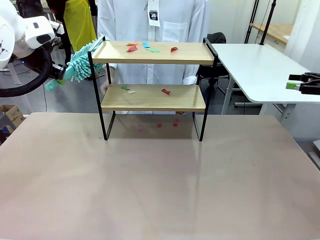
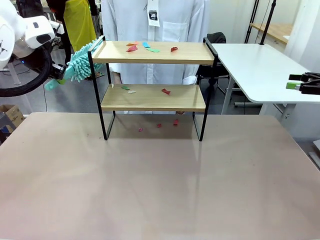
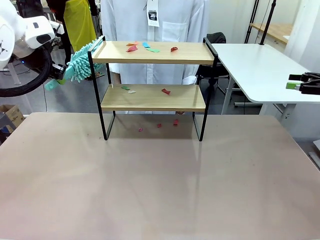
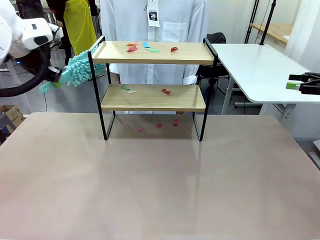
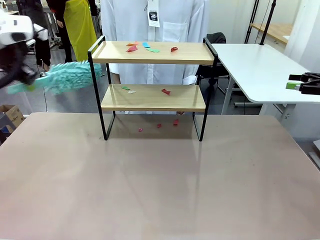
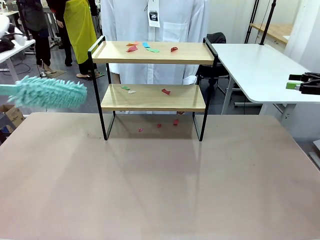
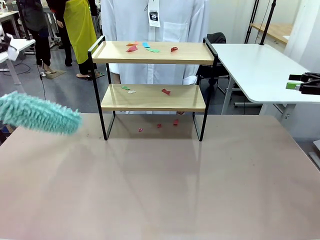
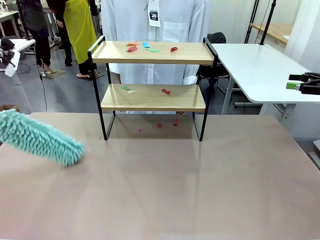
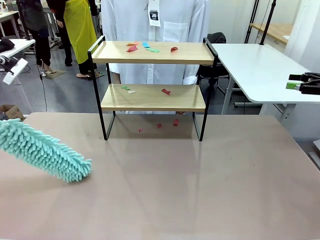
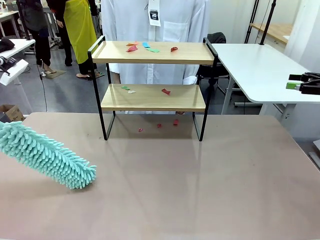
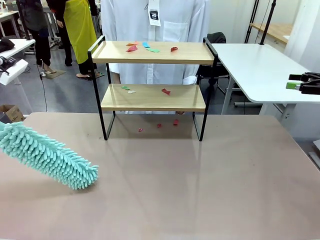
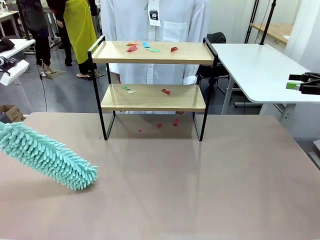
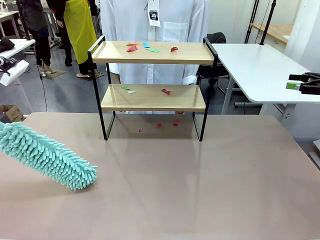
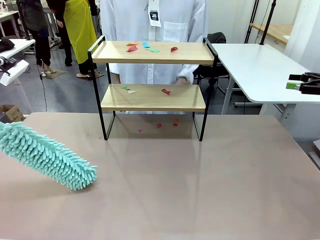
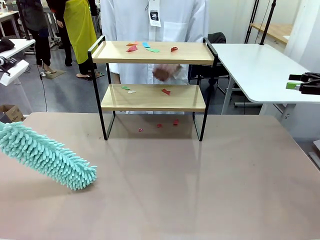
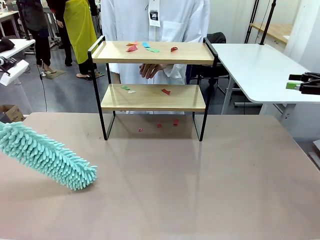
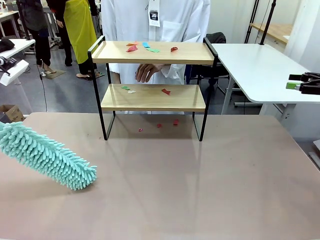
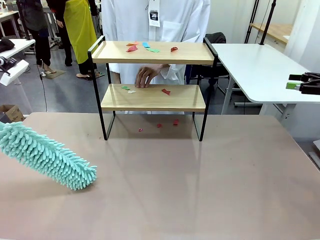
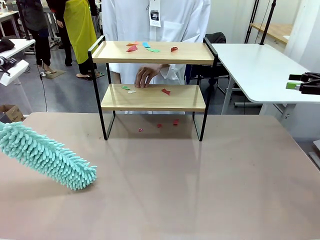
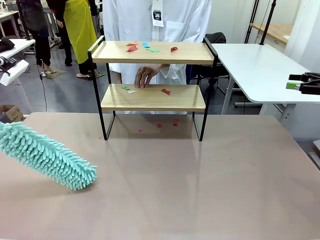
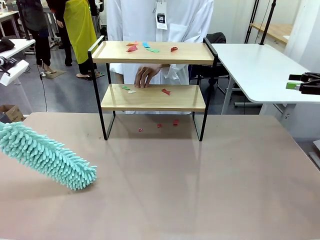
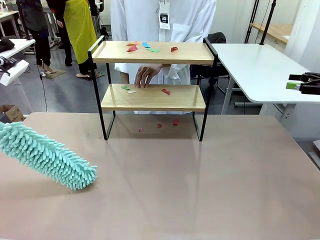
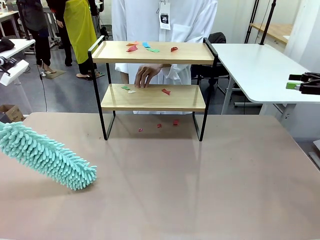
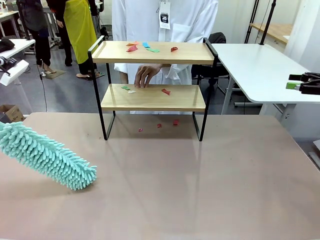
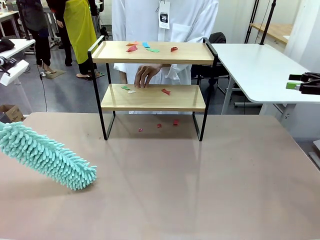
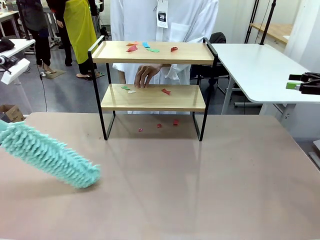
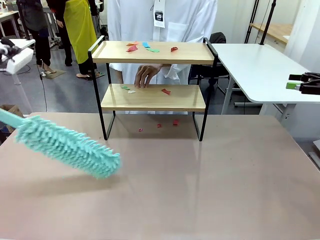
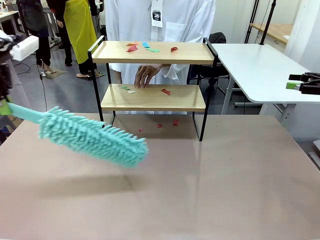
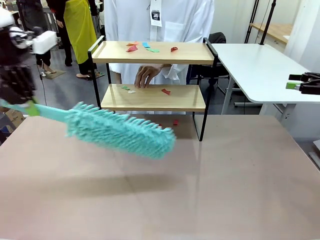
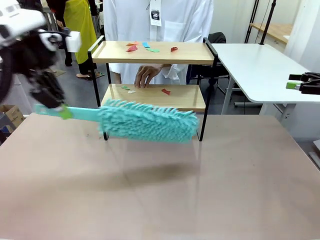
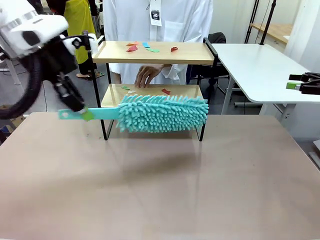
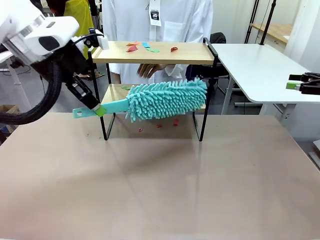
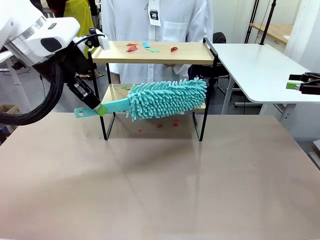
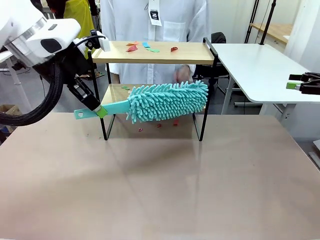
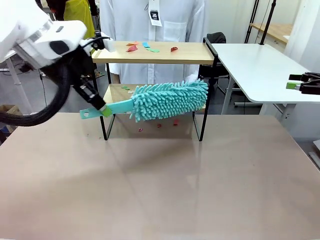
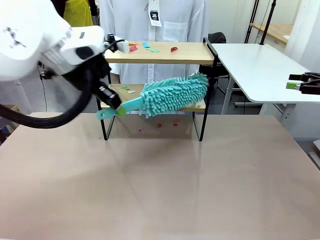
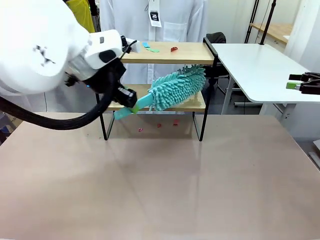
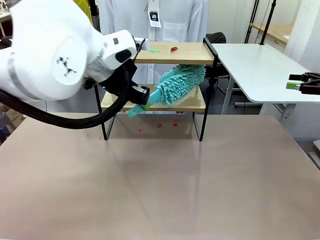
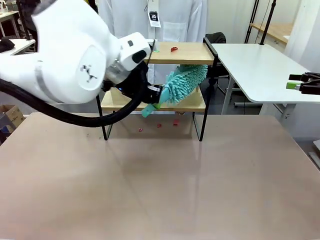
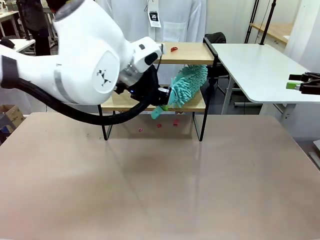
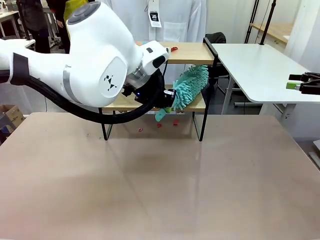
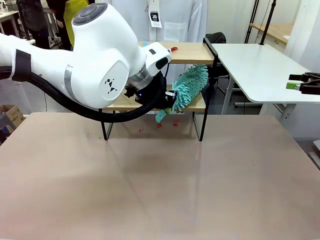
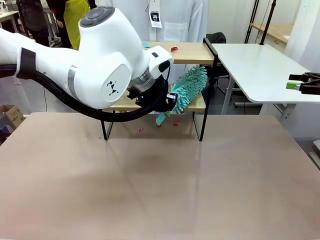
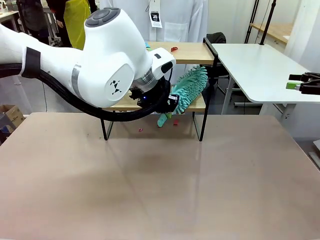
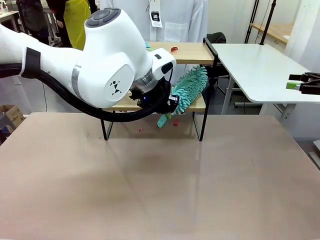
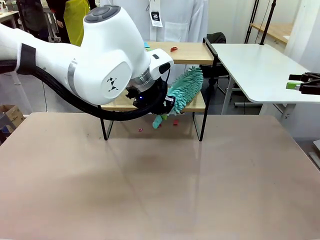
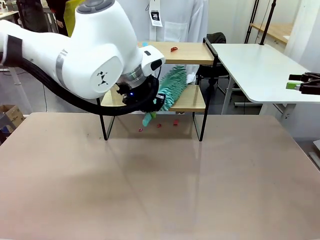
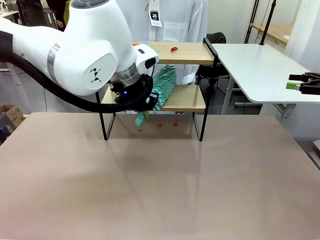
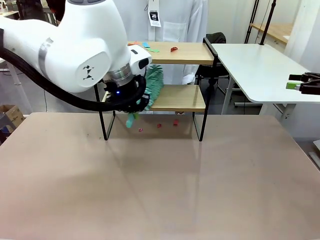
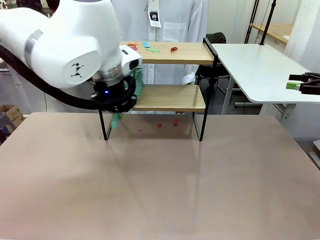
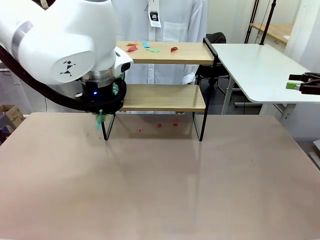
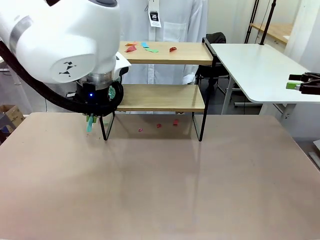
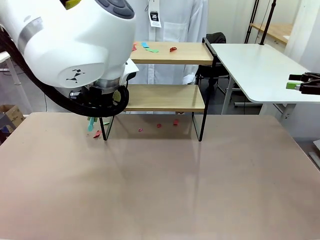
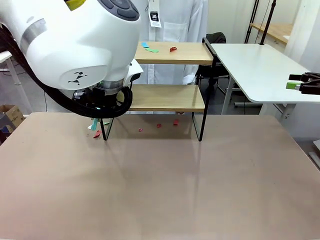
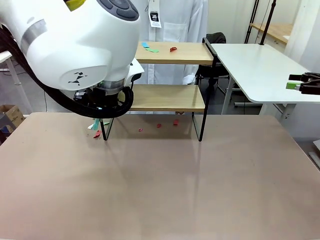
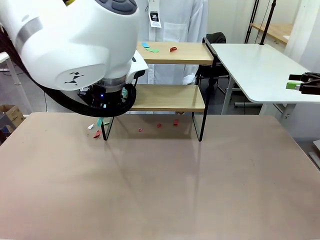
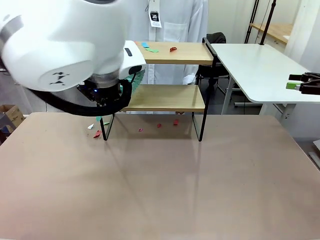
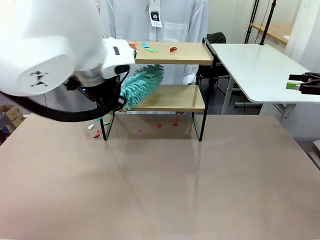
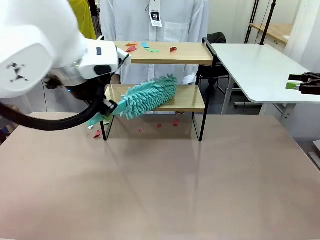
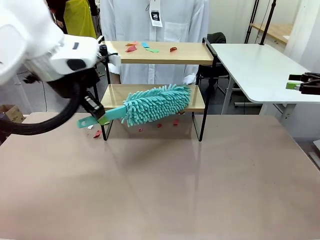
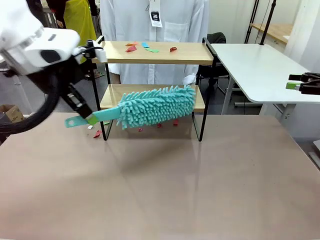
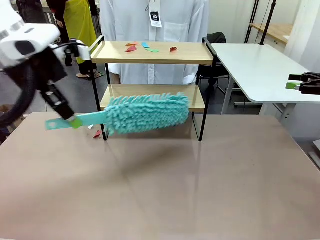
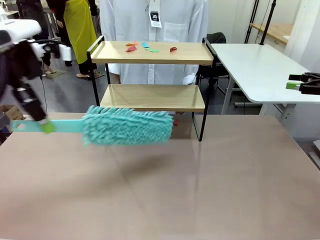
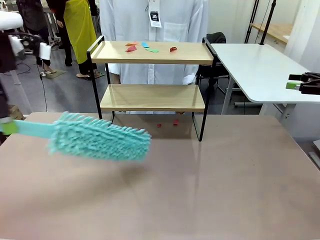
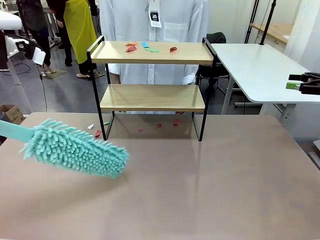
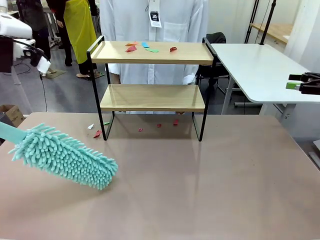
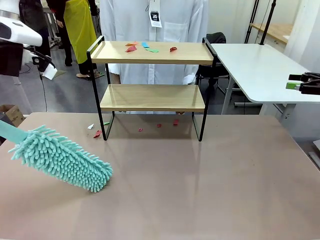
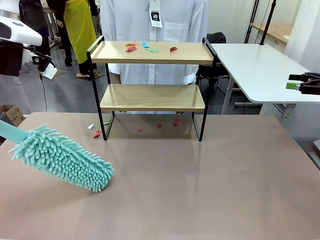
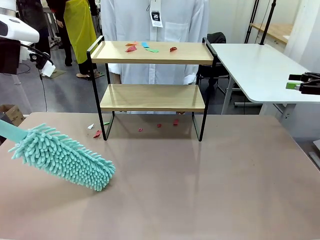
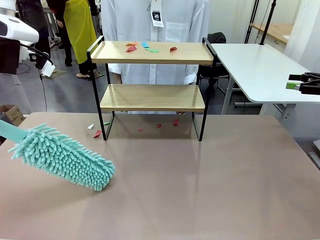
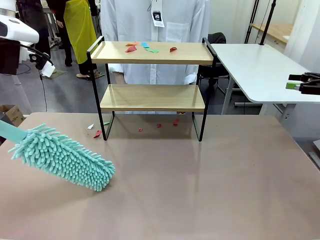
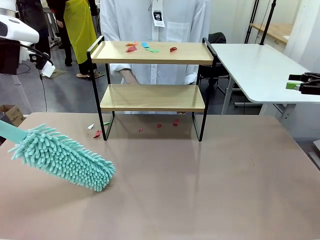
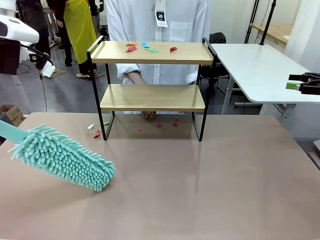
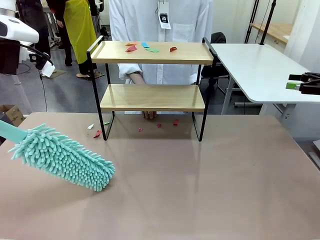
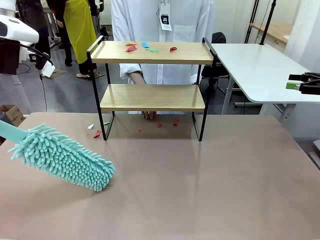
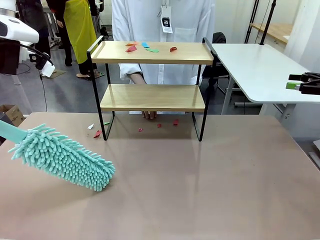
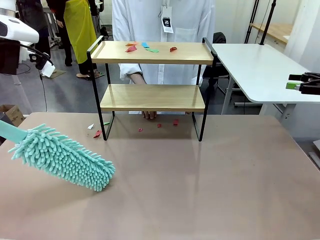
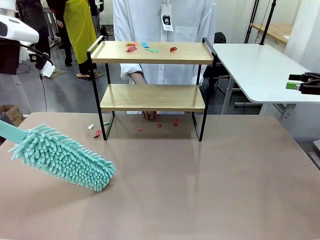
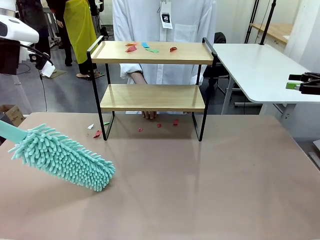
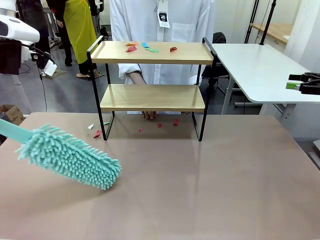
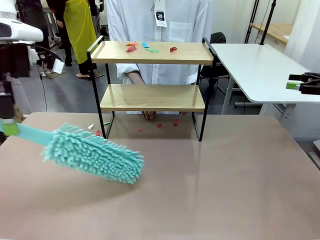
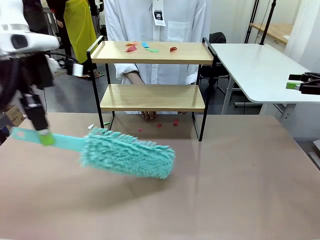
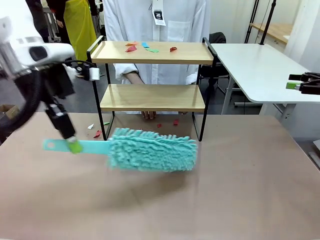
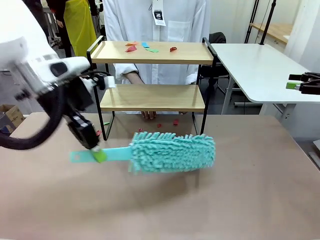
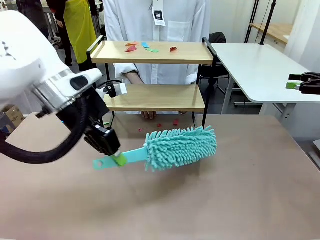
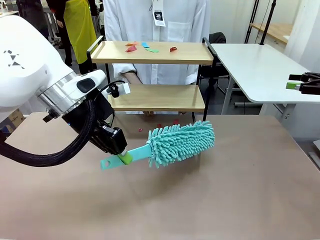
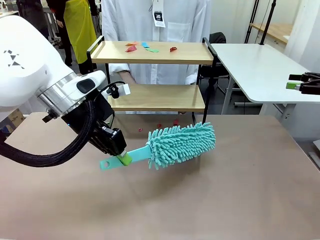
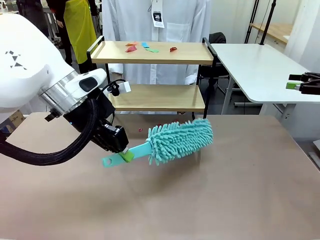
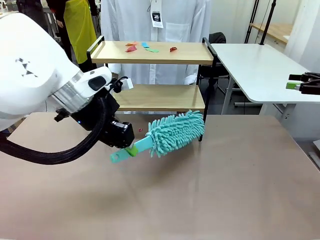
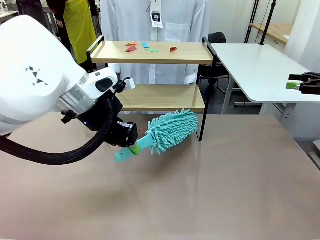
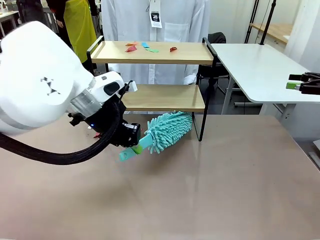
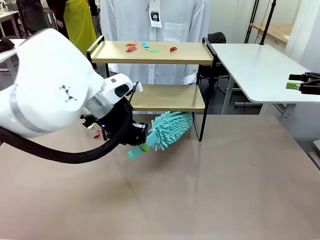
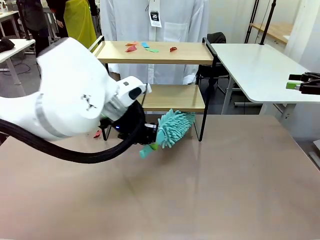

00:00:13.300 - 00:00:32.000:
Task: Clean the shelf.
Robot: Clean the specific section of the Shelf indicated by the human with the Duster.
Person: Point a random section of the Shelf.
